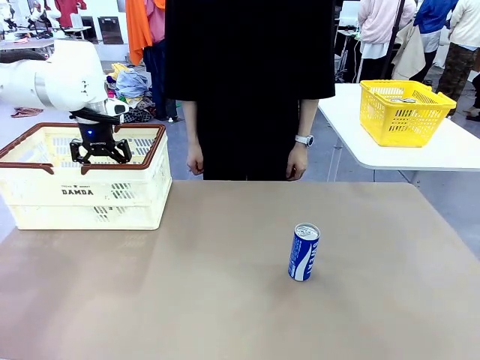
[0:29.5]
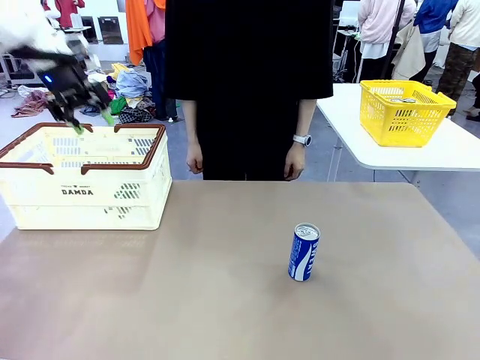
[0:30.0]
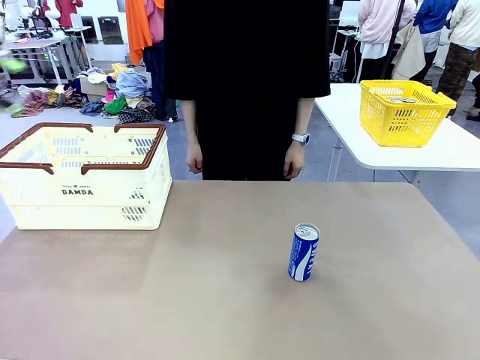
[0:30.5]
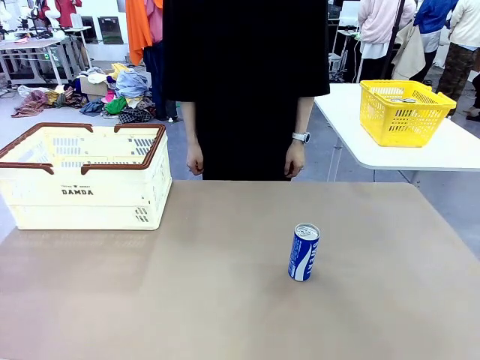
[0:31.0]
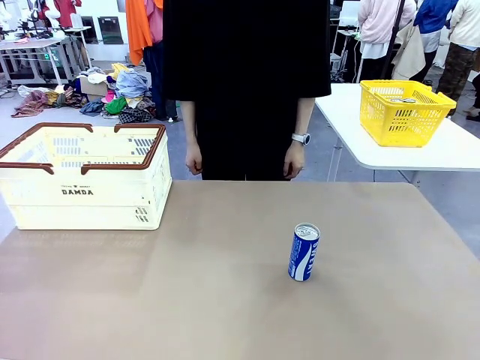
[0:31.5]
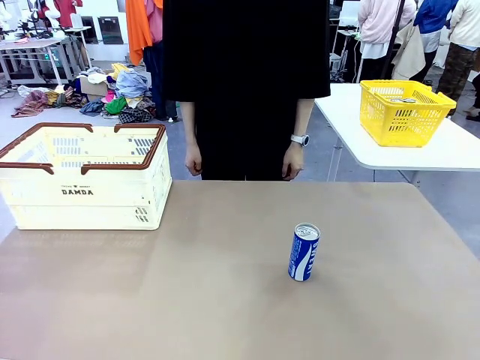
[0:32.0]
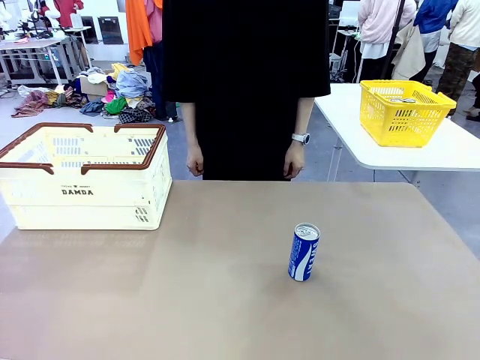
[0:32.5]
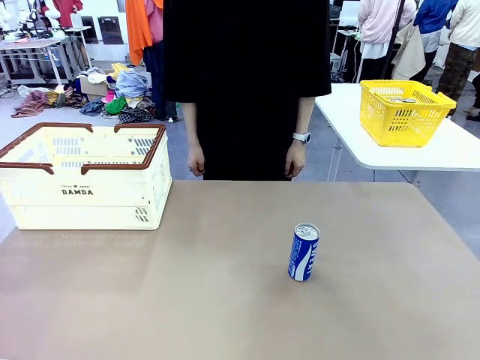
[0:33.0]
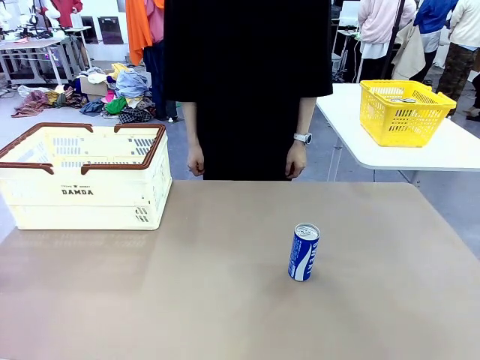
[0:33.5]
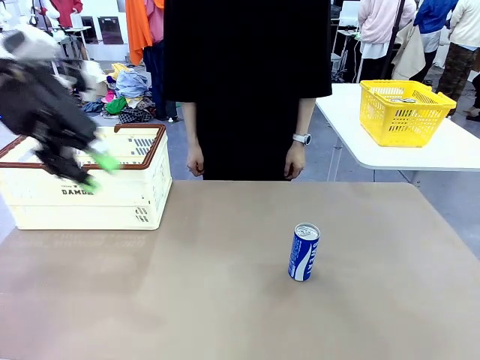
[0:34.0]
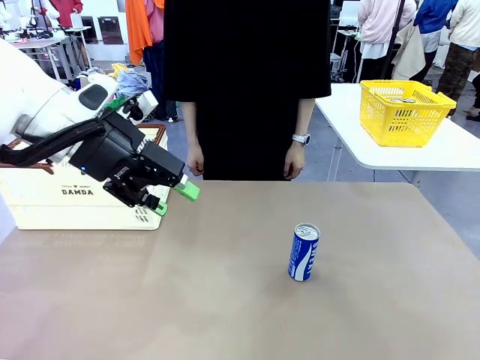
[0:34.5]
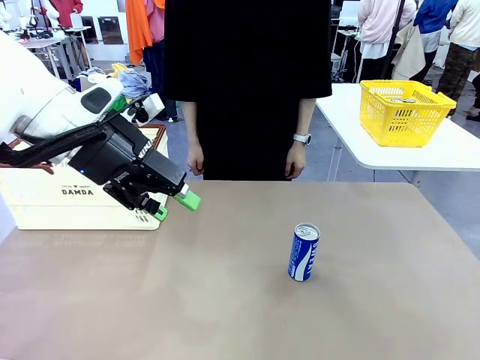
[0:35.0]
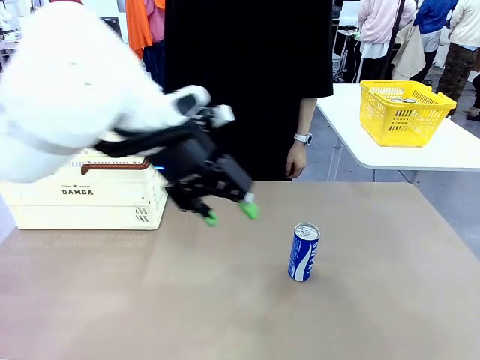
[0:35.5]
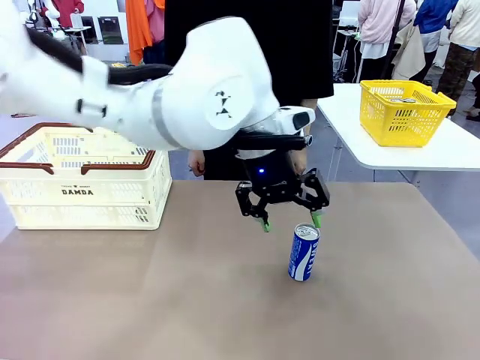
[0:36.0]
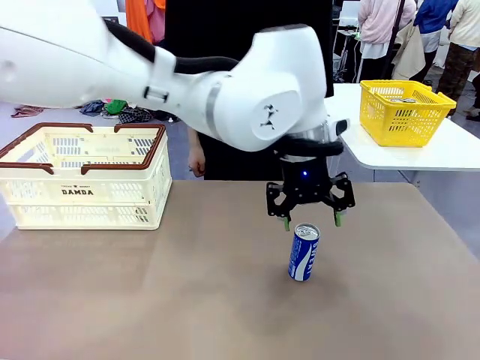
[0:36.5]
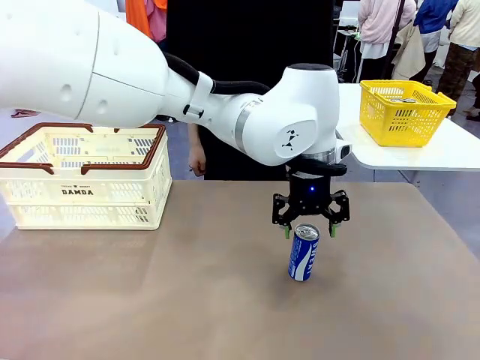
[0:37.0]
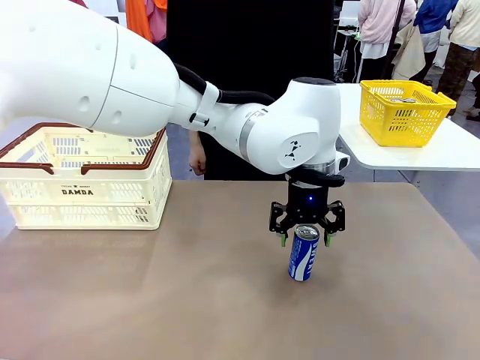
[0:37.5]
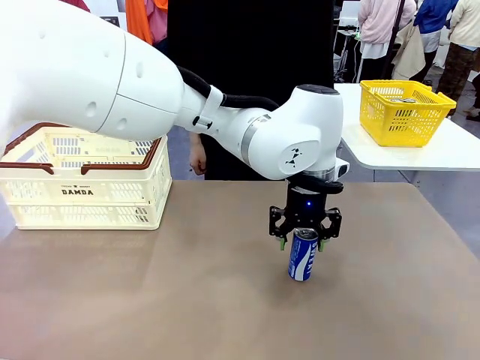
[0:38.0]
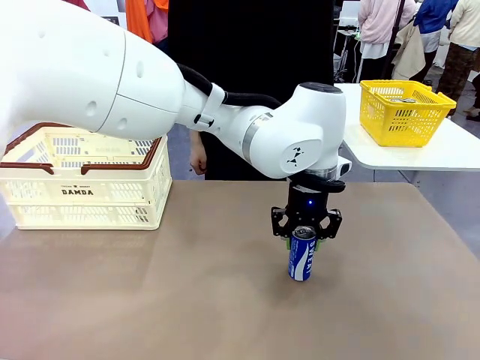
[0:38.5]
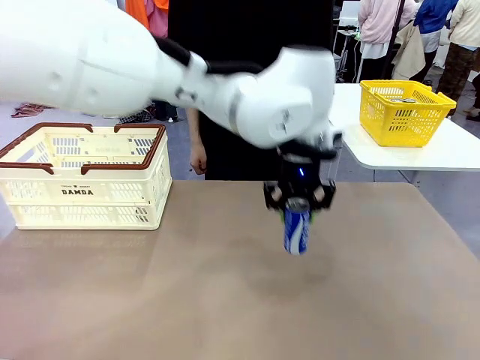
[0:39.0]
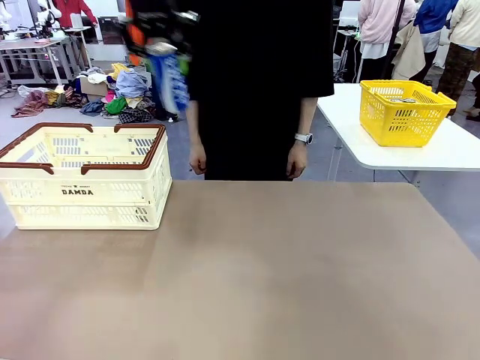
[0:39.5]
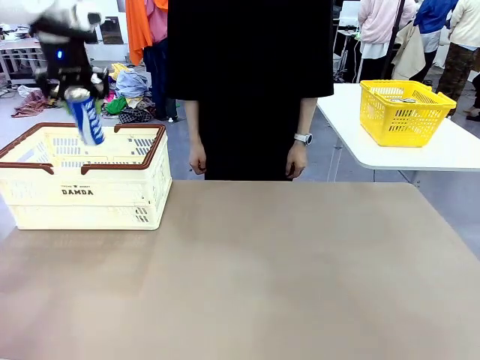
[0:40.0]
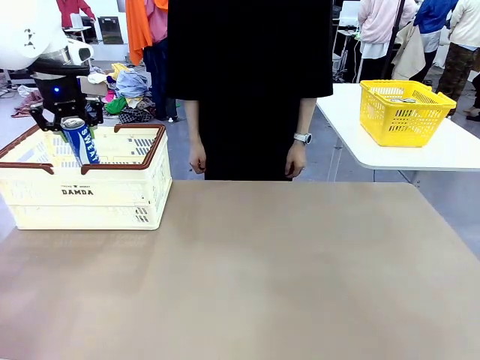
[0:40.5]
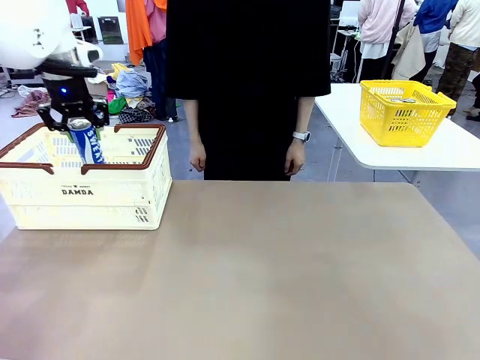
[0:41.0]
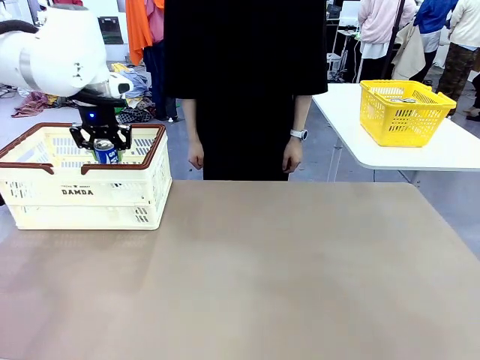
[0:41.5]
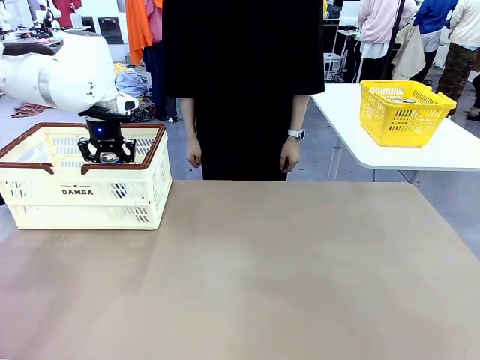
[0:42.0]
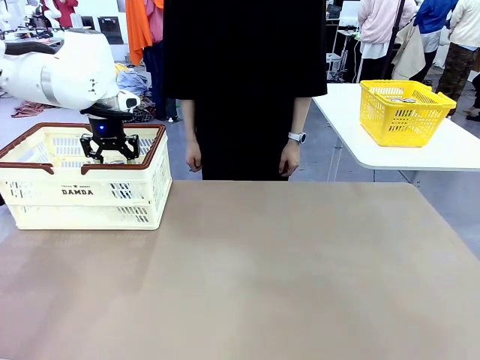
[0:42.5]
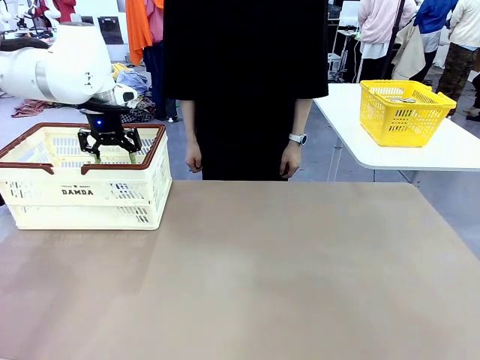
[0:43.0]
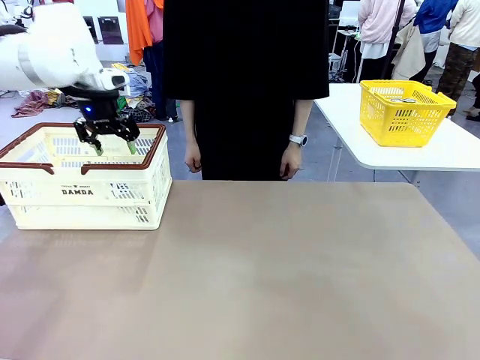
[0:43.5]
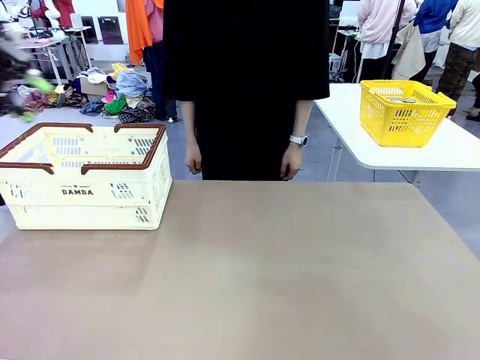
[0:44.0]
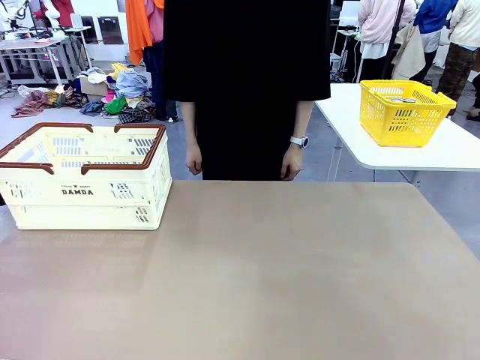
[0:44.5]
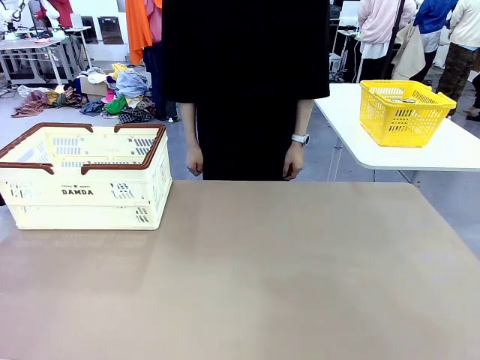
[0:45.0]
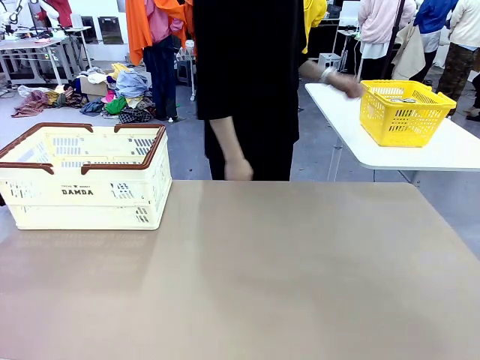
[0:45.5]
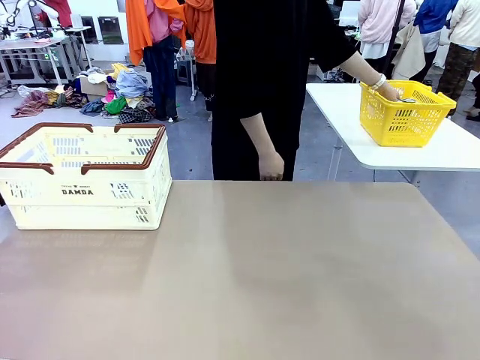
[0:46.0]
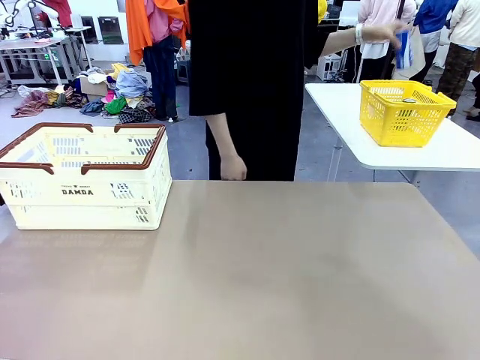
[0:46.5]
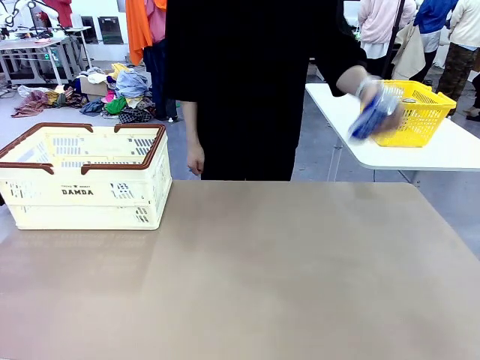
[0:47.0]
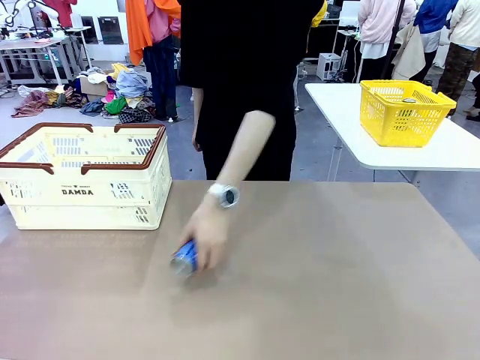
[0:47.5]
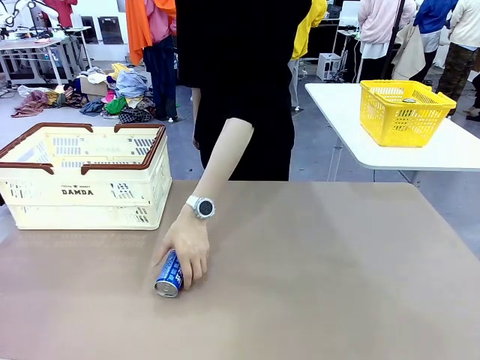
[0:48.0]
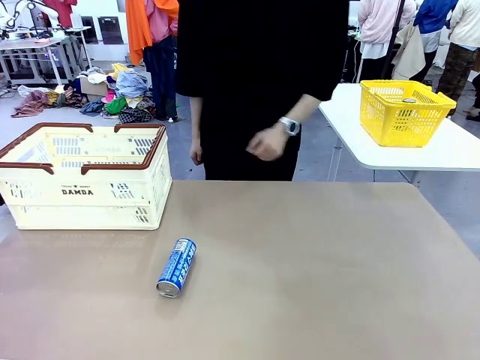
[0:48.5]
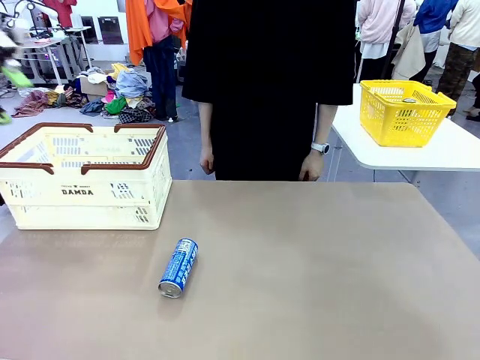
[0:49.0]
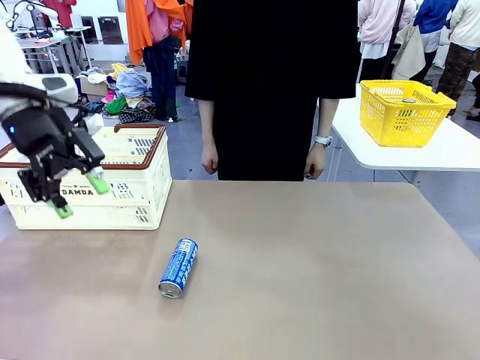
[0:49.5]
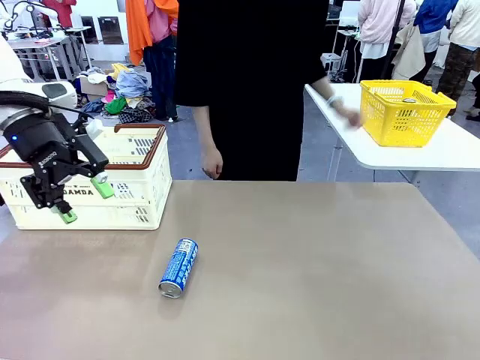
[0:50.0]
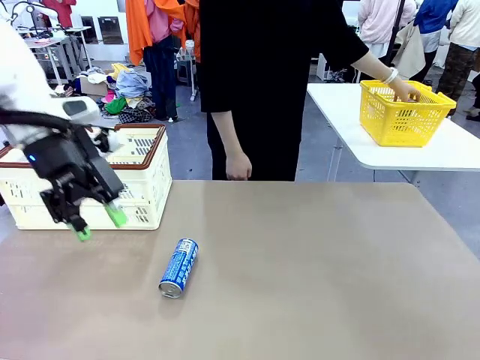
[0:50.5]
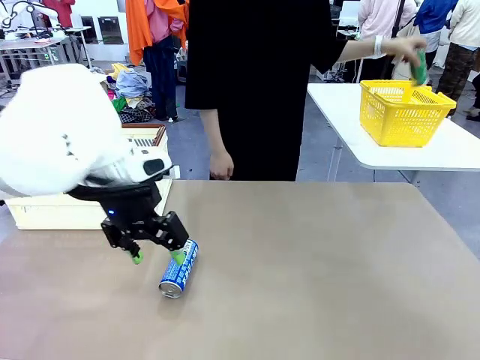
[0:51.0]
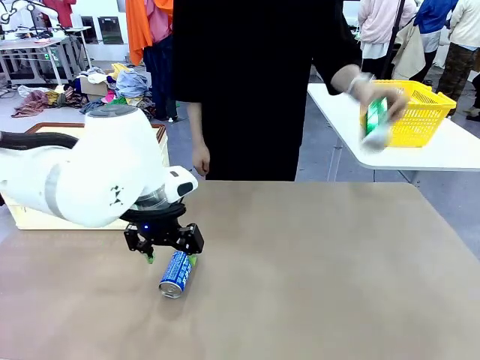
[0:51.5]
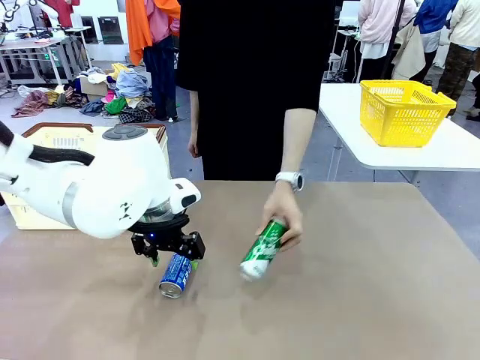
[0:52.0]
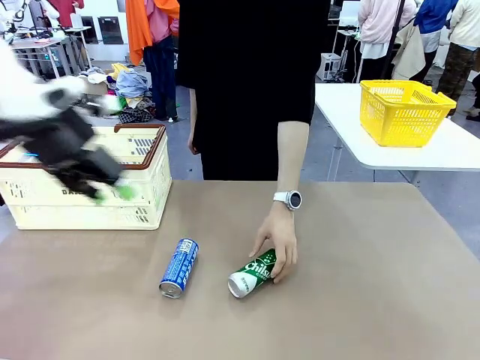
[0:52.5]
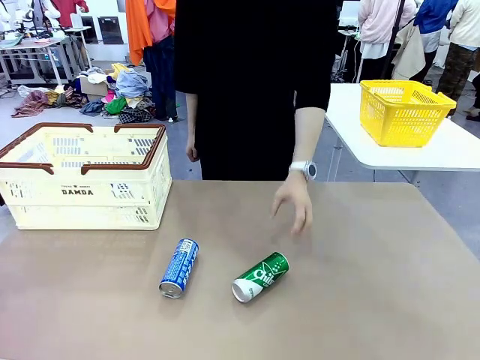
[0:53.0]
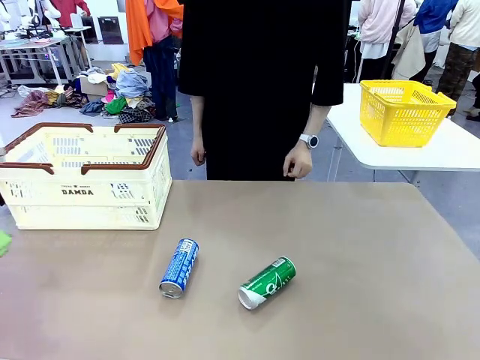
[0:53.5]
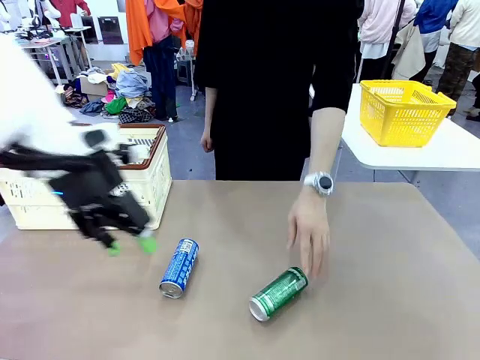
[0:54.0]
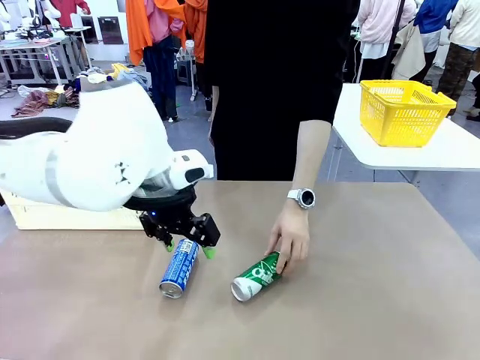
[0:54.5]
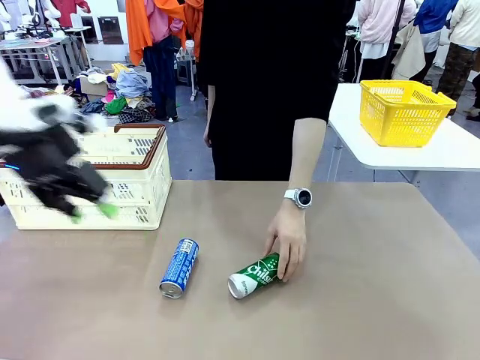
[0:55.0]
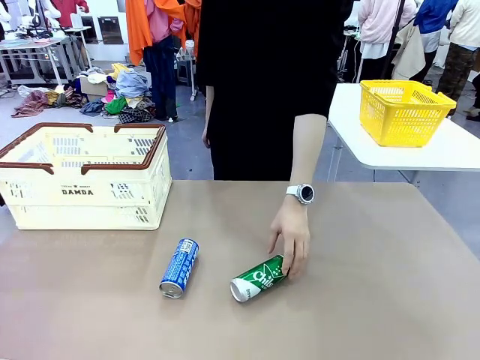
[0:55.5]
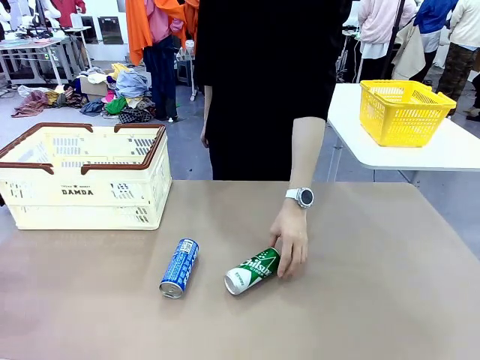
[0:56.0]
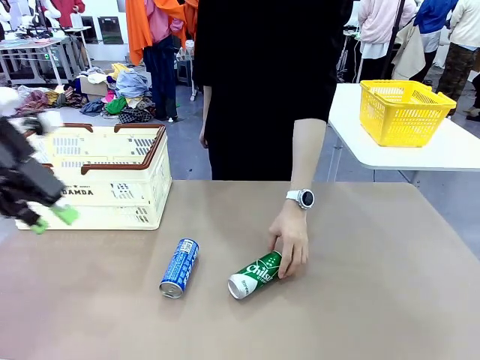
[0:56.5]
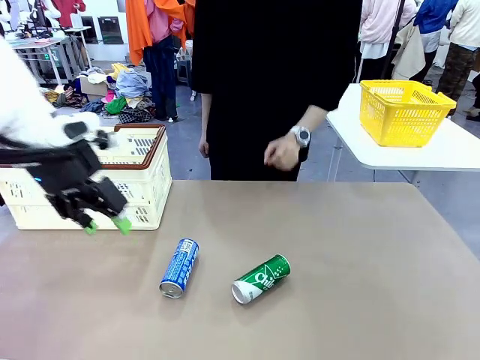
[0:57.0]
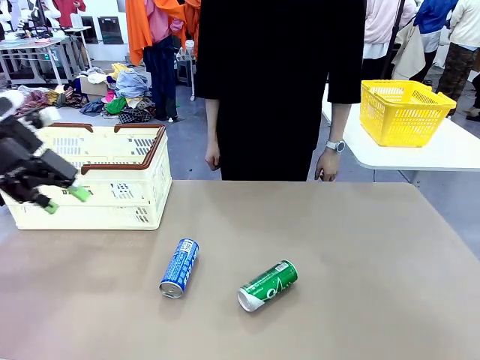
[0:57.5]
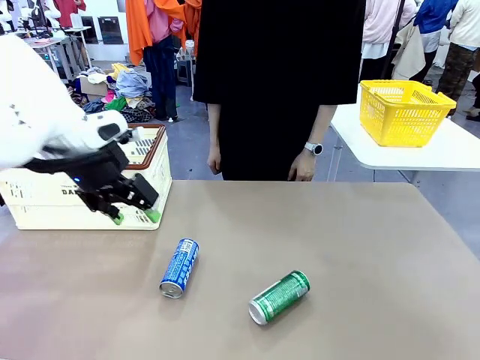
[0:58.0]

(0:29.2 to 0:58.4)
Task: Place the drinks into the Shopping basket.
Robot: Pick up one drink and place it into the Shopping basket.
